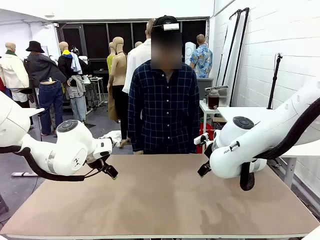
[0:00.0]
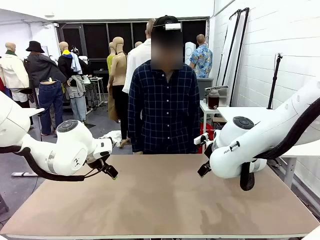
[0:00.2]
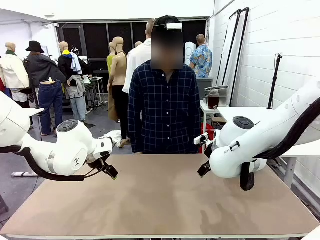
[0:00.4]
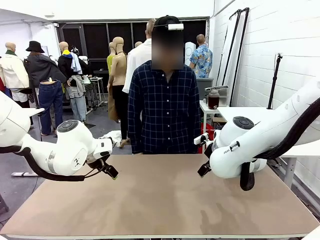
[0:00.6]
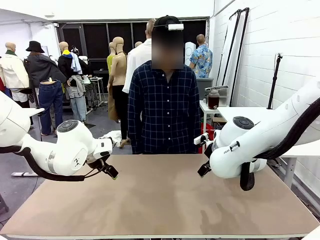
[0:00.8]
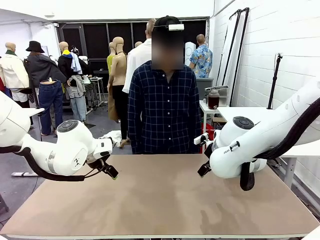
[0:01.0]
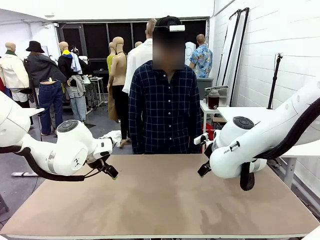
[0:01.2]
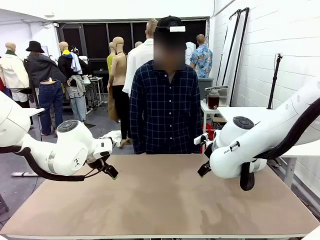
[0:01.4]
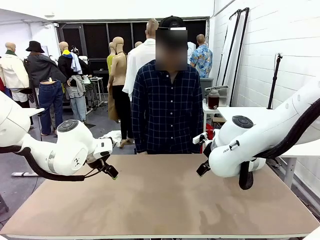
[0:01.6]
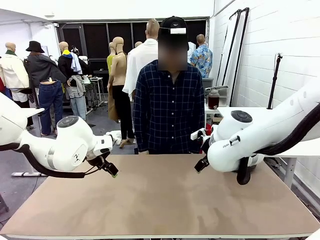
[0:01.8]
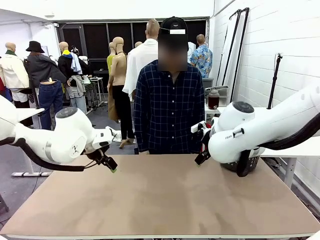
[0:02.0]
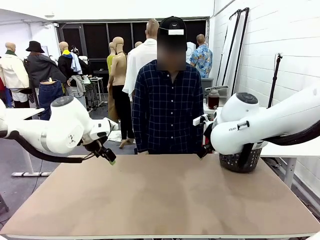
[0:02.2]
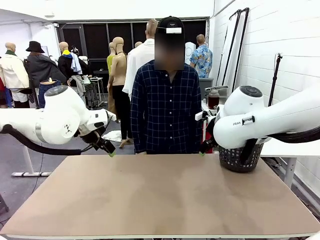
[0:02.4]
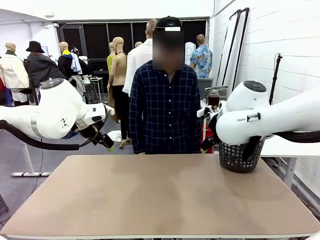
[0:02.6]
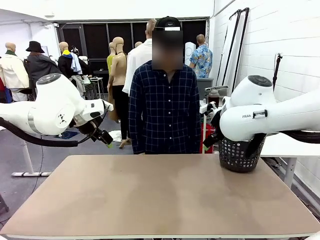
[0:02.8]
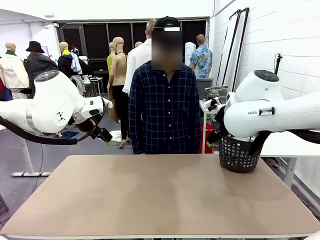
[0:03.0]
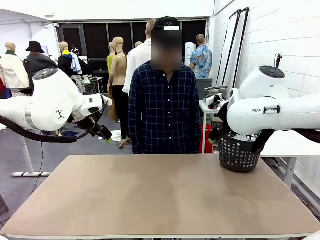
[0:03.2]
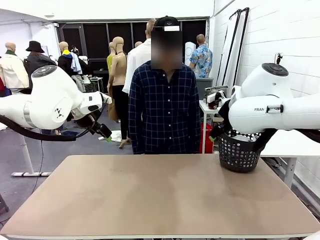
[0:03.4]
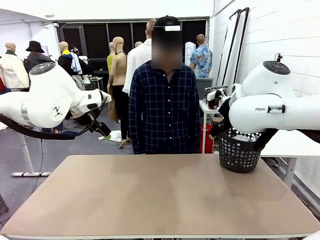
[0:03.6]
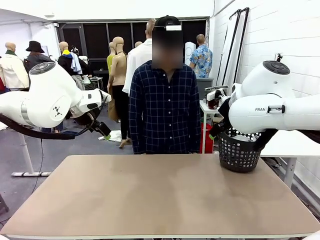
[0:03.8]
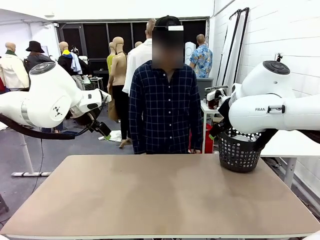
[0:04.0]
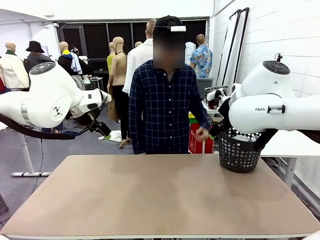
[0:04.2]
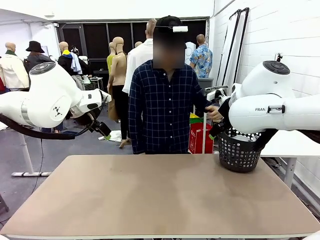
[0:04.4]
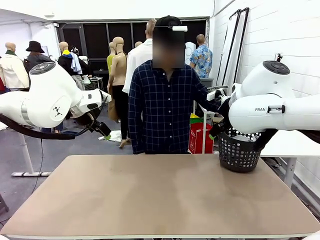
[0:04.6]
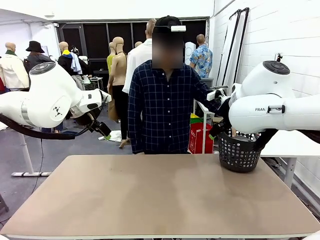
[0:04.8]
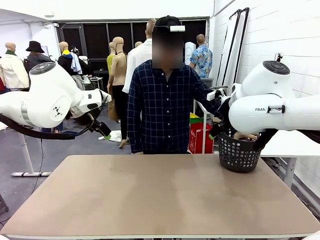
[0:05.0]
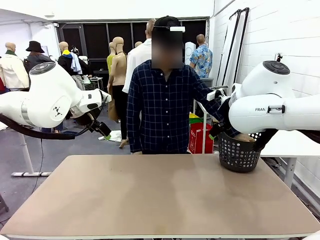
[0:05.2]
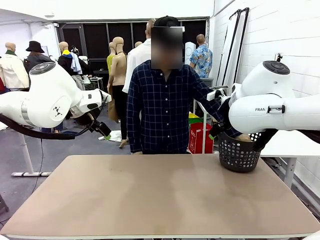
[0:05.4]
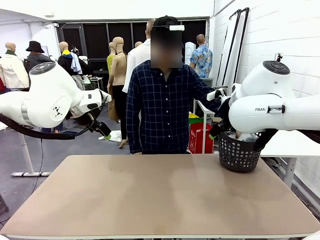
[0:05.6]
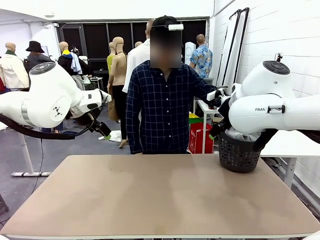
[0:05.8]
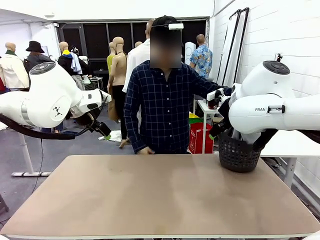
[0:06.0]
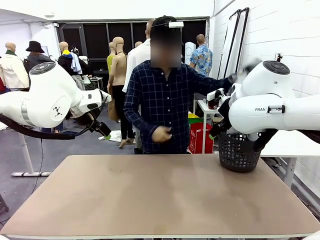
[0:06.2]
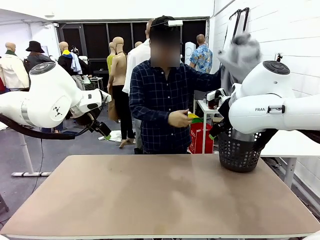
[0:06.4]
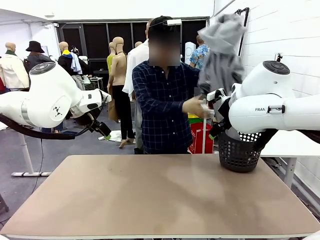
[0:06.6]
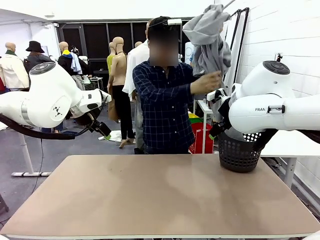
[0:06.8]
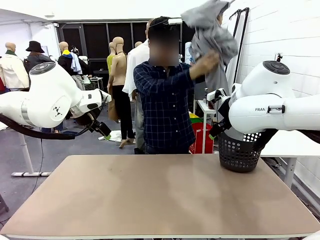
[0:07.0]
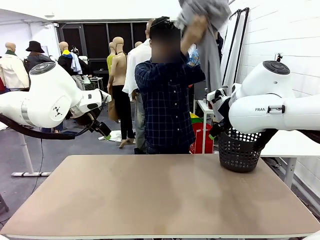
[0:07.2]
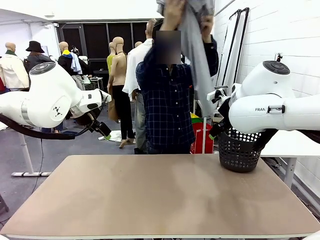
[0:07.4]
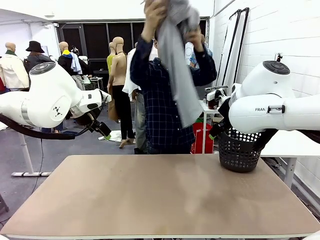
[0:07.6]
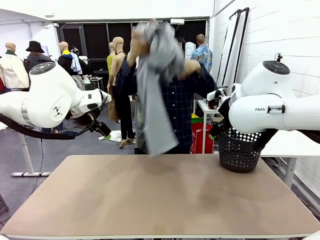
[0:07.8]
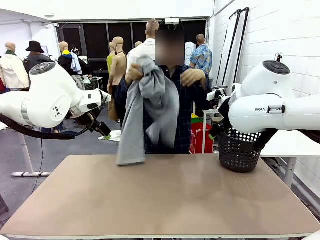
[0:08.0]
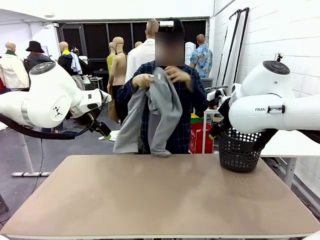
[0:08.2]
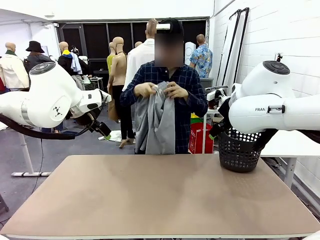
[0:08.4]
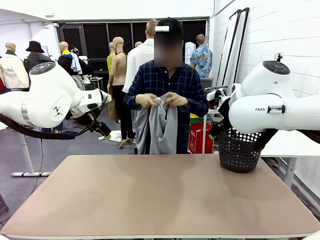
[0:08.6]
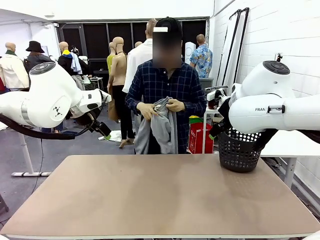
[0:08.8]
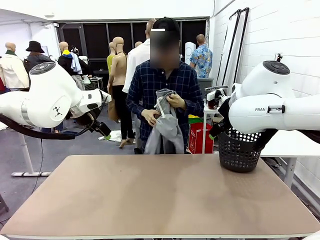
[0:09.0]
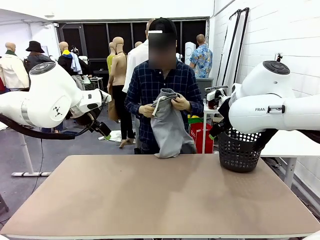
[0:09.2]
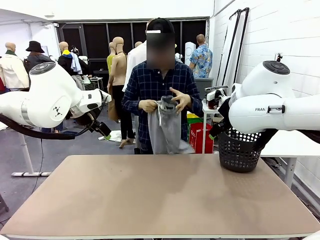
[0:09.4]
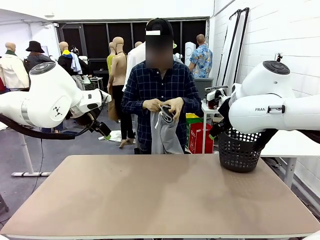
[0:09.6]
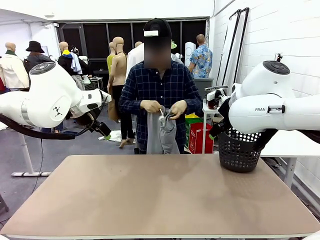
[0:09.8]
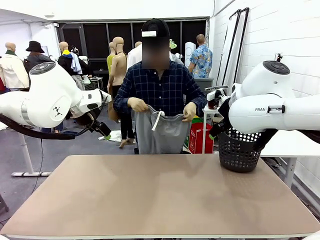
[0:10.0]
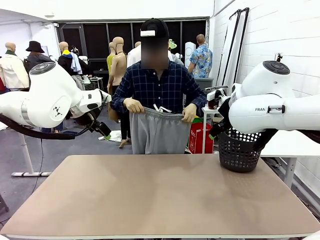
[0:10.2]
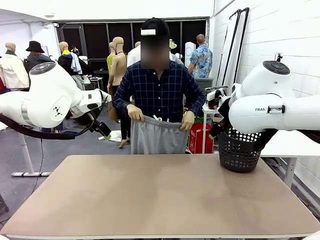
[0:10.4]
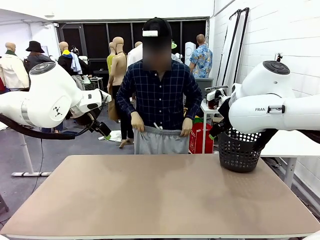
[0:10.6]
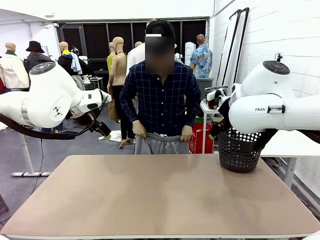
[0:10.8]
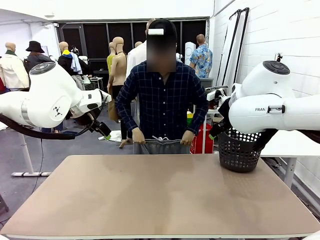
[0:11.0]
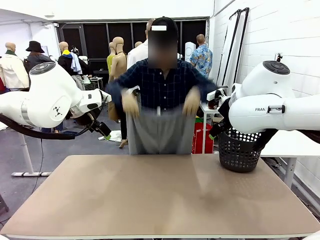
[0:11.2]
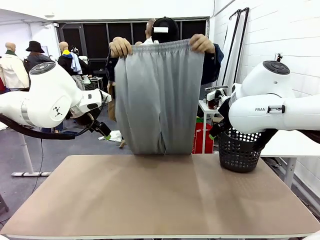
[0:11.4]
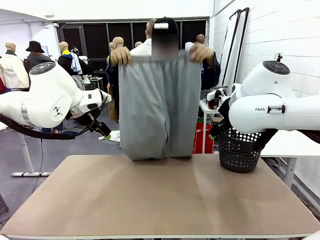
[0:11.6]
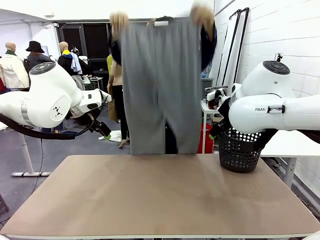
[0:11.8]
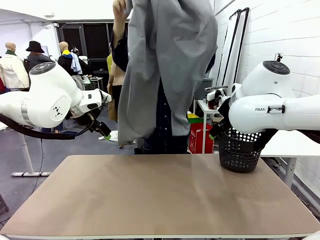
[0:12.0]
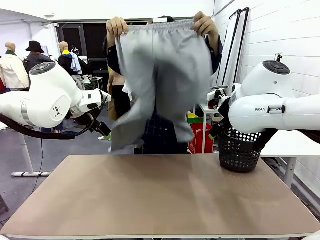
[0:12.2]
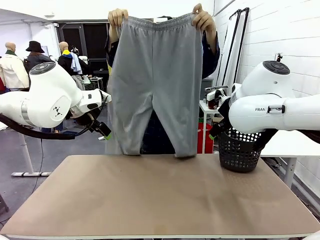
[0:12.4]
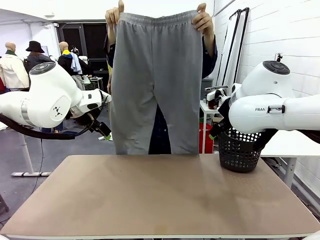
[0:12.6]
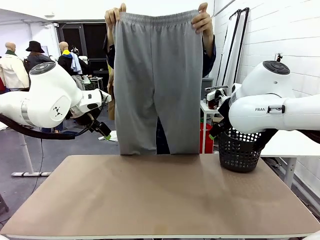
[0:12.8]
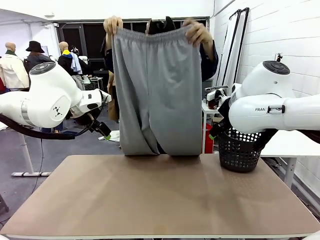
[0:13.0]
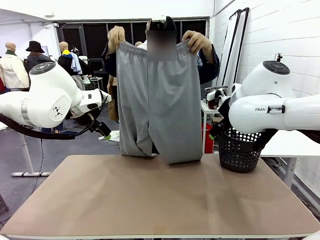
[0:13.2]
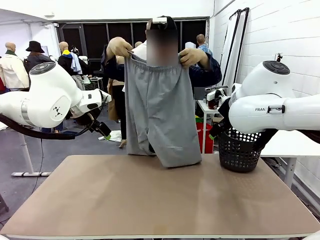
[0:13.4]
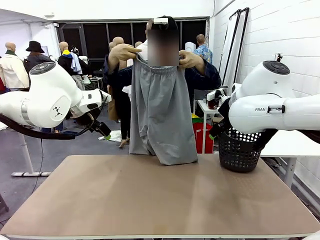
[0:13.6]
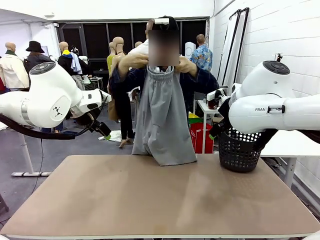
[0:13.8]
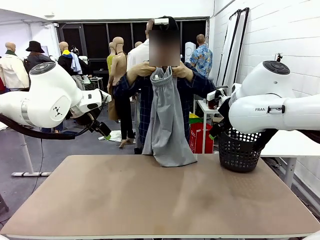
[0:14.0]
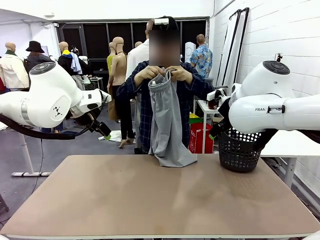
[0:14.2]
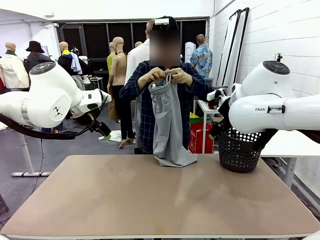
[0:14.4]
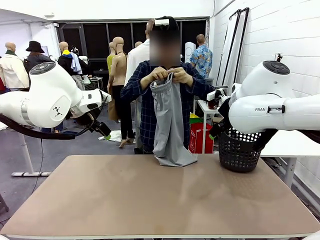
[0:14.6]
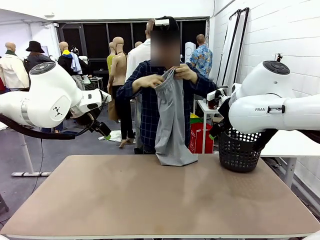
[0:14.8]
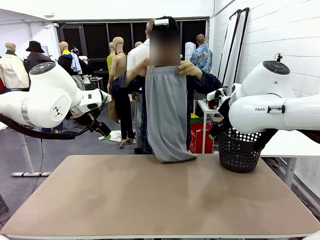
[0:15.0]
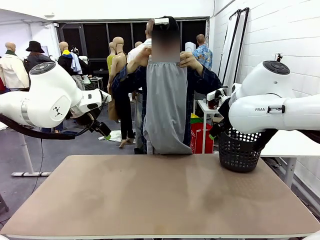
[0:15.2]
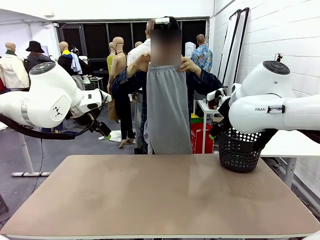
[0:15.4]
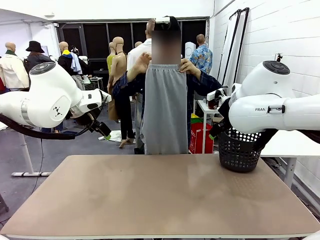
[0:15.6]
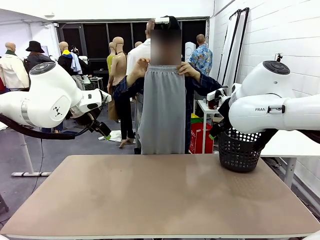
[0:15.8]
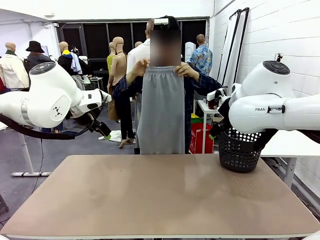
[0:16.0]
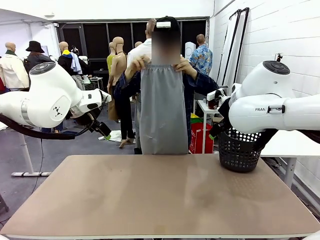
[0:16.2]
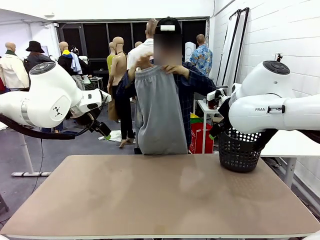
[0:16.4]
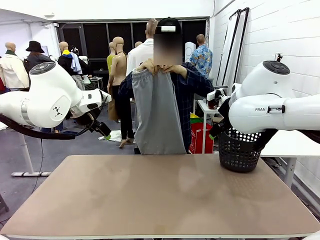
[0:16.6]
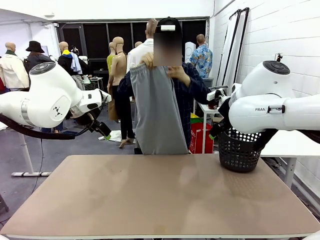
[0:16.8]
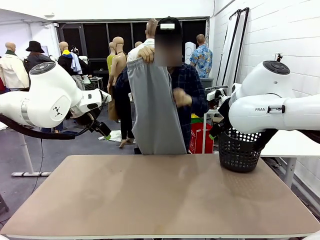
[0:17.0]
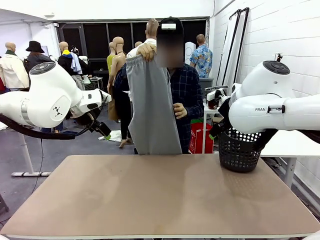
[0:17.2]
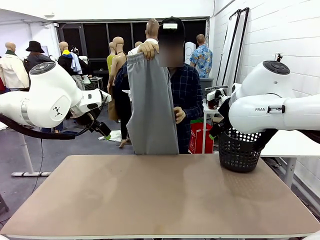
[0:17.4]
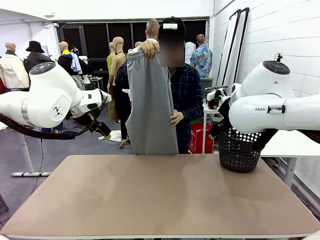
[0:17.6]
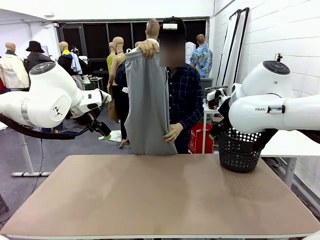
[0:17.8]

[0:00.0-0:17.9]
Task: Fold the training pants.
Robot: Grab both ends of the Training pants handed by a person.
Person: Take the long pants out of the laundry basket, unfold them, fold the waist in half, and extend them so the robot can pick up both corners.
